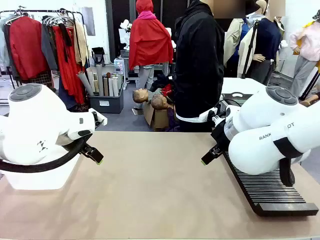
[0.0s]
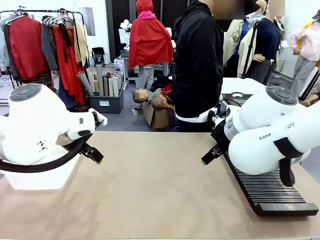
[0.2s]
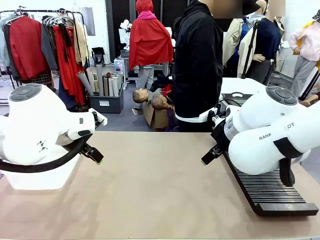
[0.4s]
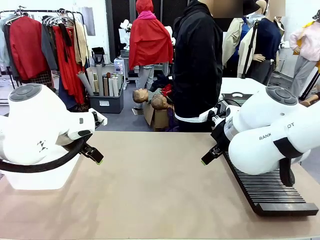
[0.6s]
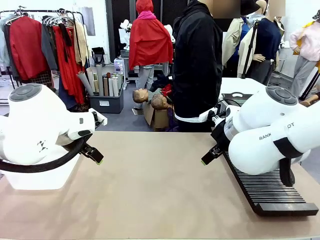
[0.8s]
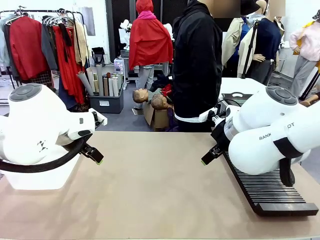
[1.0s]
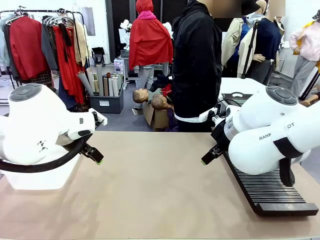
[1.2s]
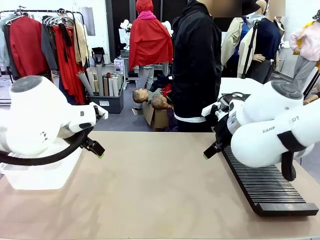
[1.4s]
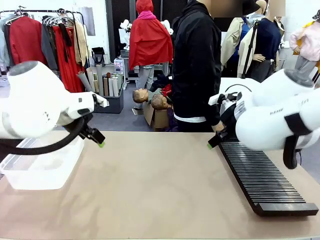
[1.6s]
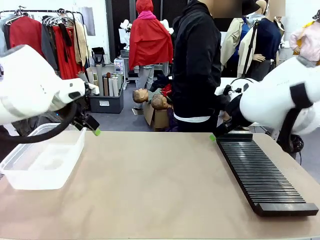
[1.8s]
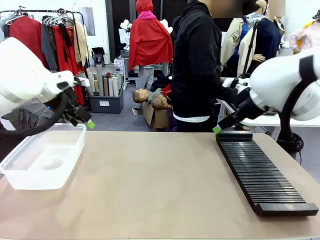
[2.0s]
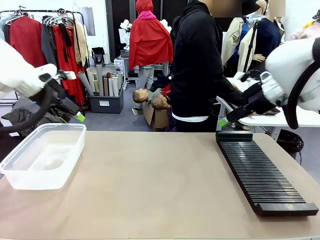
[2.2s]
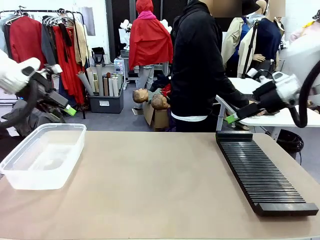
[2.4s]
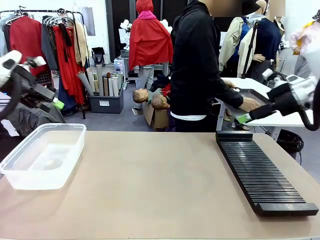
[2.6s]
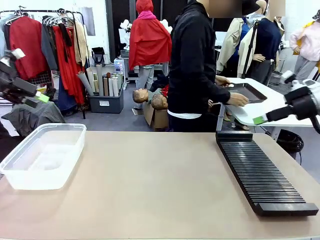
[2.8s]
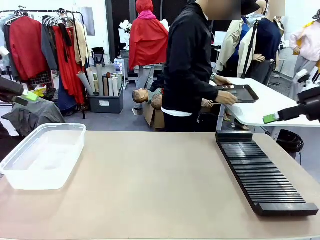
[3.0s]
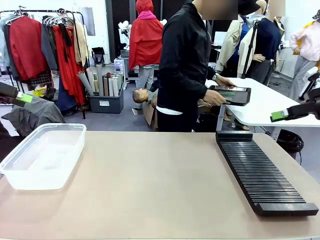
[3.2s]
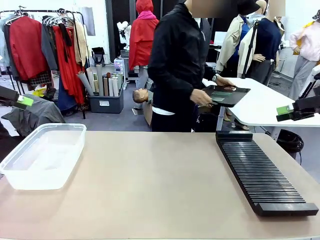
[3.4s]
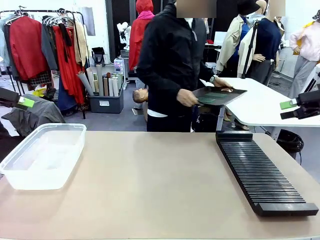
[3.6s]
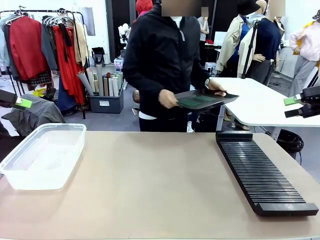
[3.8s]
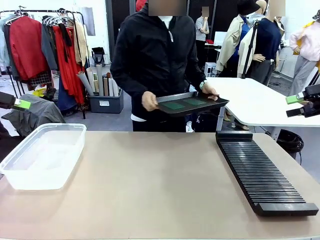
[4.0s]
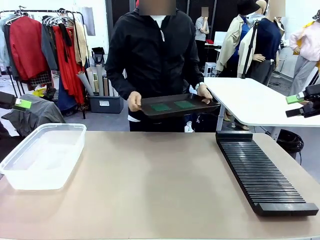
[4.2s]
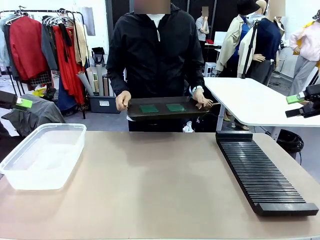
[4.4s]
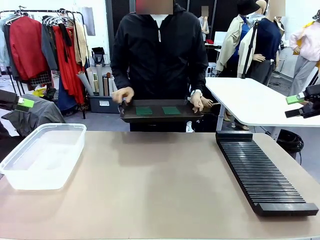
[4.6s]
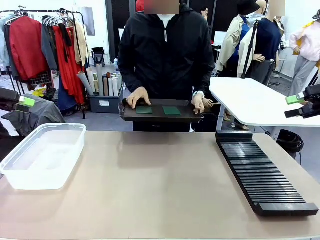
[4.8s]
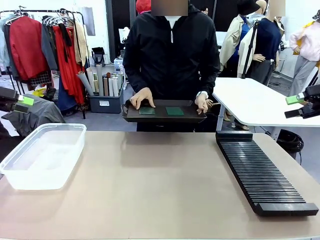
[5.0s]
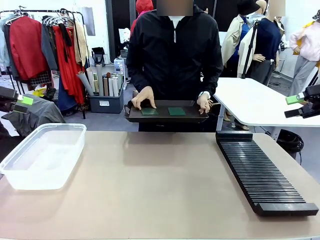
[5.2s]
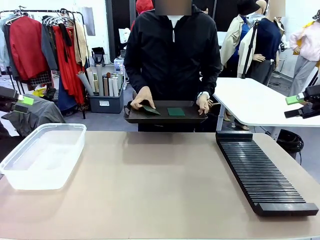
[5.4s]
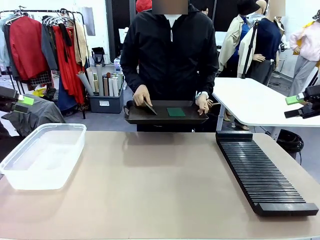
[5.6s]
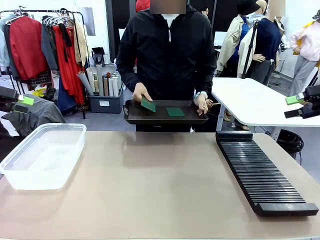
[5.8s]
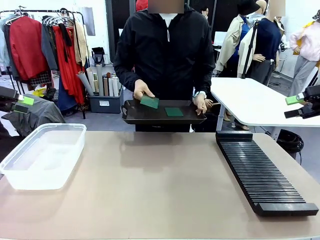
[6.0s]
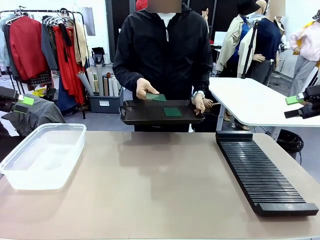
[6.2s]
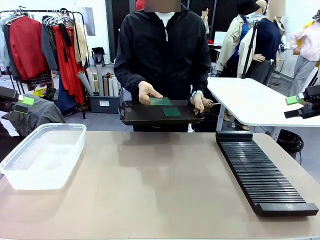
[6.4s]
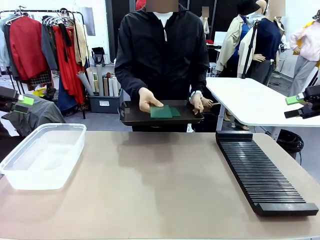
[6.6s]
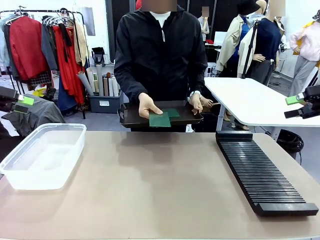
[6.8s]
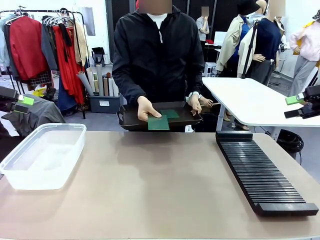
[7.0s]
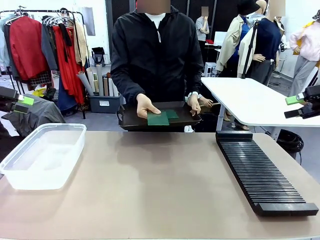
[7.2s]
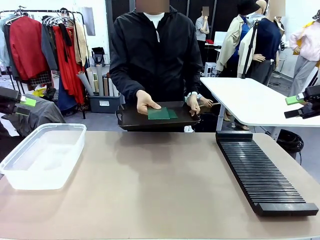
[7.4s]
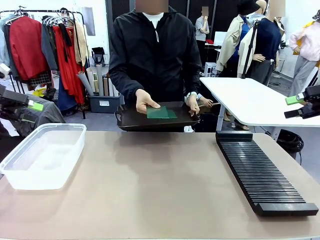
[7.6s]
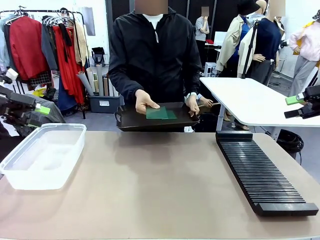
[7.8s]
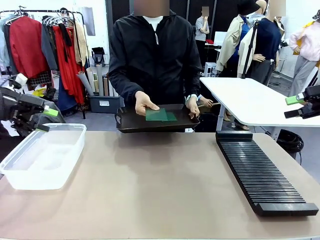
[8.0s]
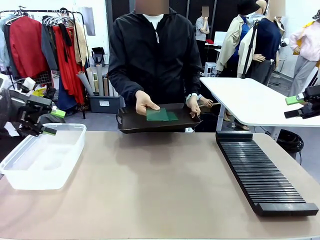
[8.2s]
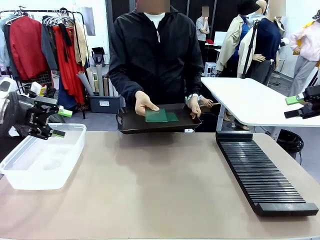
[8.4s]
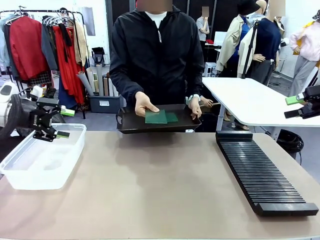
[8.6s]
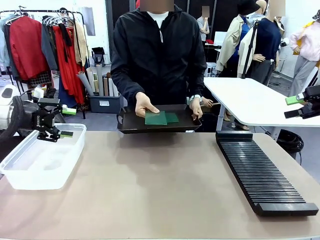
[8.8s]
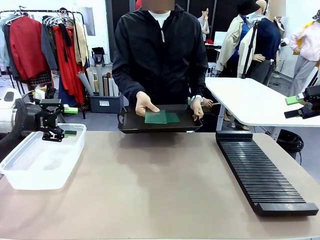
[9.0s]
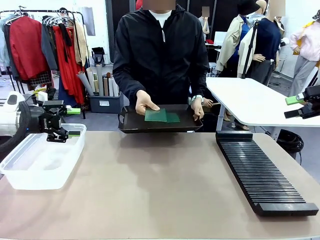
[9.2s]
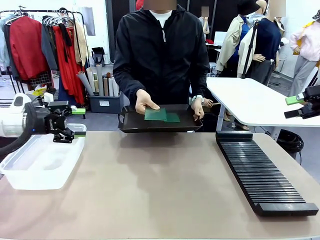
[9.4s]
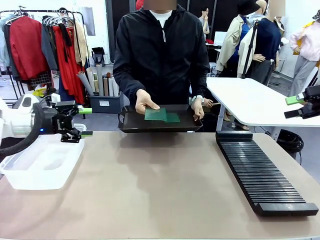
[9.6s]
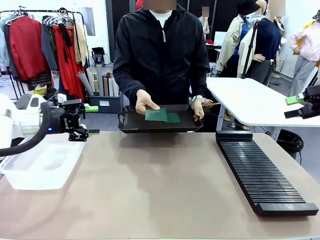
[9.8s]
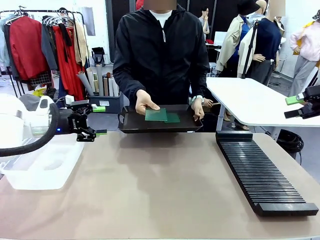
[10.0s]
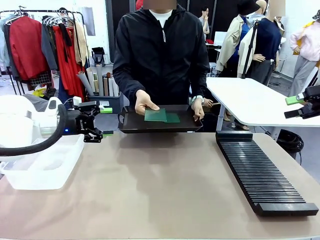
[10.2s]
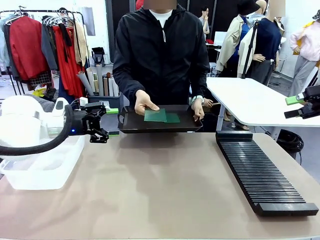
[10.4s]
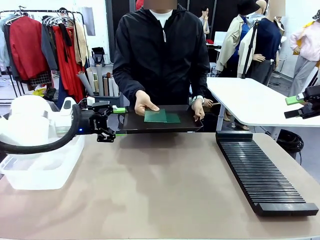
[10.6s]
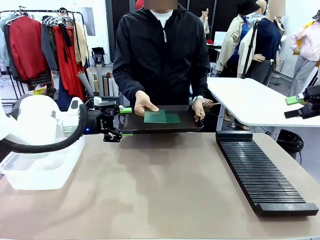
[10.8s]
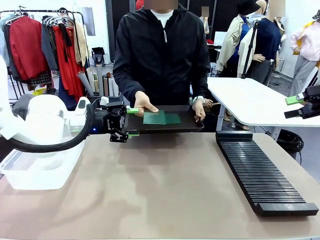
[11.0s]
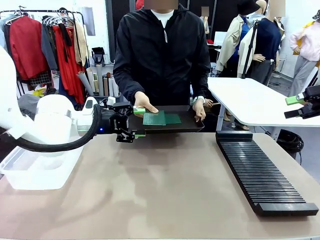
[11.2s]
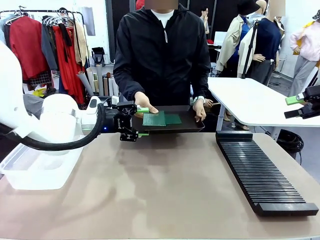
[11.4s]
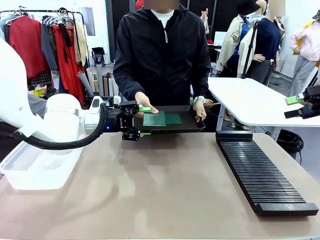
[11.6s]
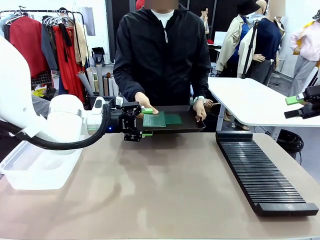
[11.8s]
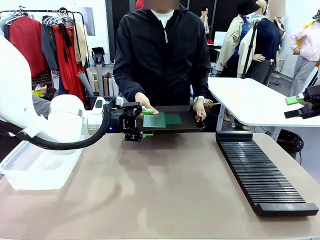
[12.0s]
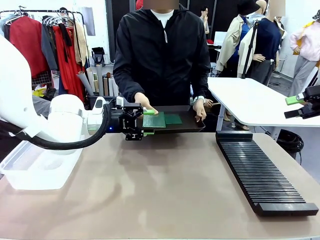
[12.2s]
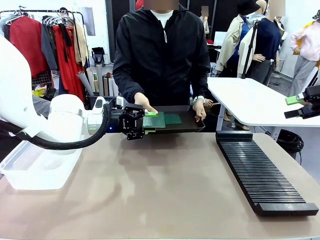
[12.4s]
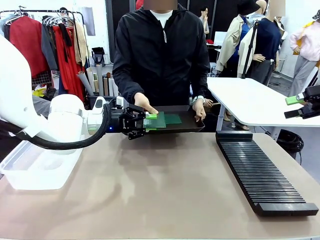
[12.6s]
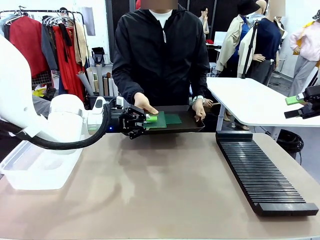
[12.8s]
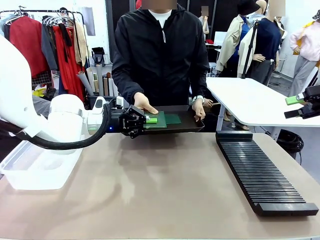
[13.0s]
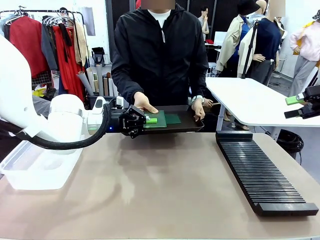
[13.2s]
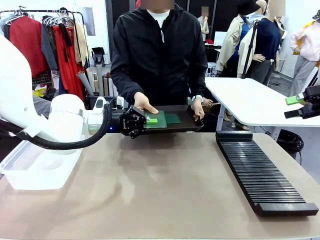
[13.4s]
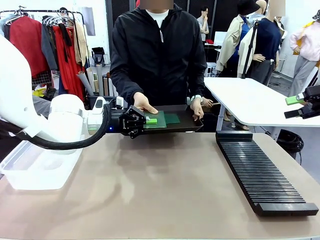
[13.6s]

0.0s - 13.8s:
Task: Sort PCBs into racks and boxes based on the side picked up.
Robot: Pick up the Blank PCB handed by the Human.
Person: Pick one PCB from the tray and present it to the robot. Release the PCB being held.

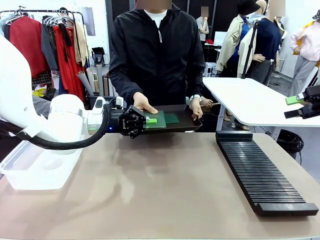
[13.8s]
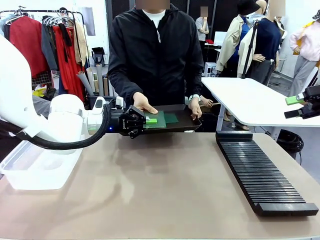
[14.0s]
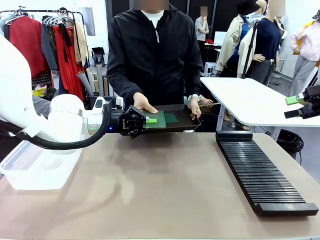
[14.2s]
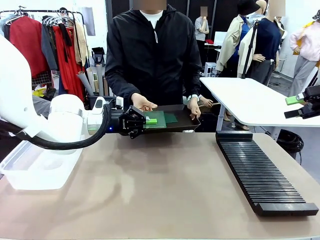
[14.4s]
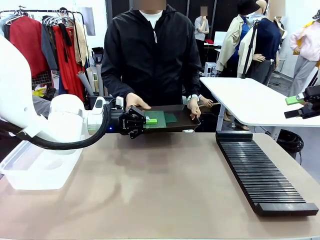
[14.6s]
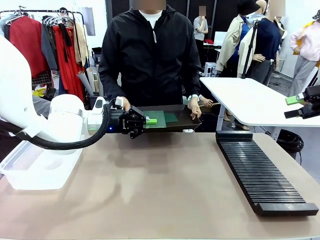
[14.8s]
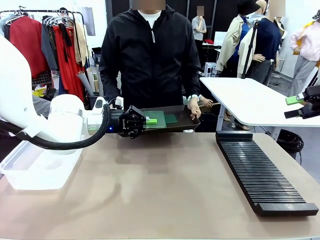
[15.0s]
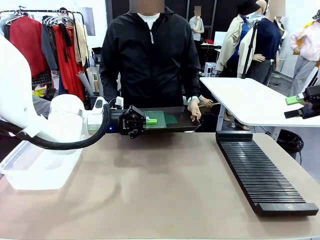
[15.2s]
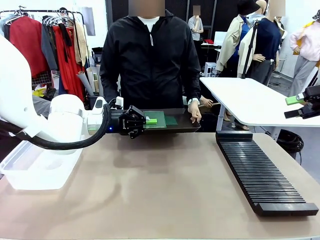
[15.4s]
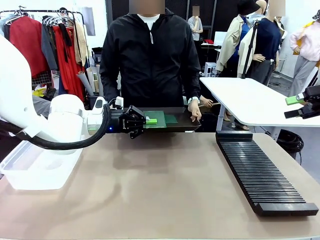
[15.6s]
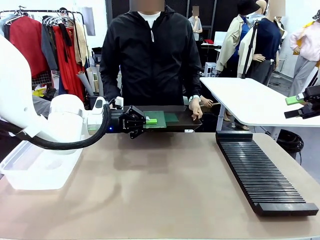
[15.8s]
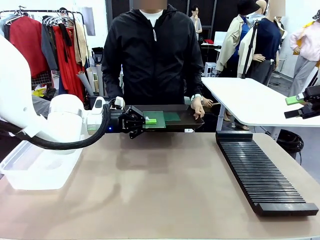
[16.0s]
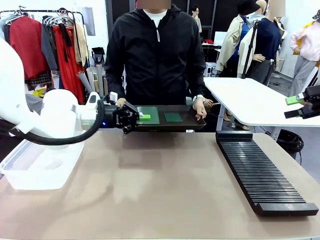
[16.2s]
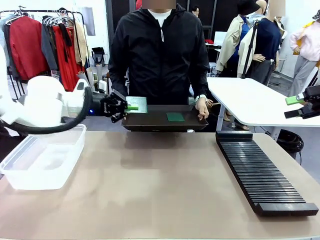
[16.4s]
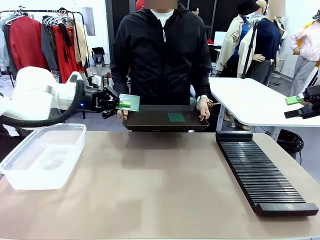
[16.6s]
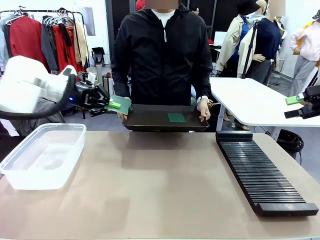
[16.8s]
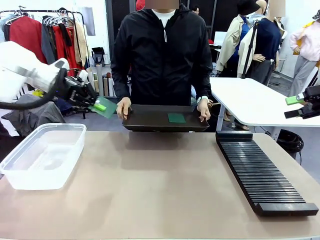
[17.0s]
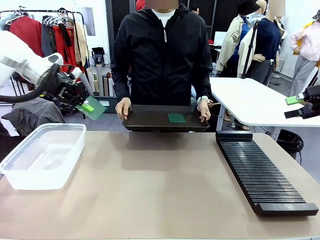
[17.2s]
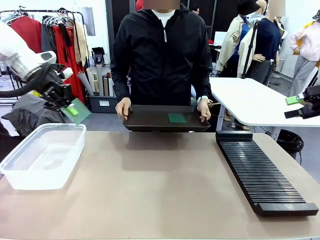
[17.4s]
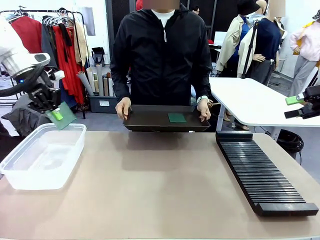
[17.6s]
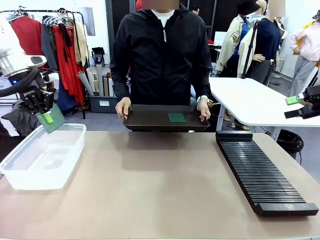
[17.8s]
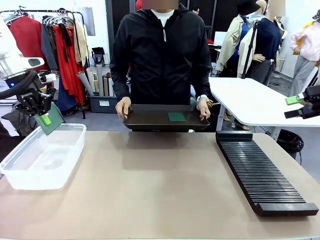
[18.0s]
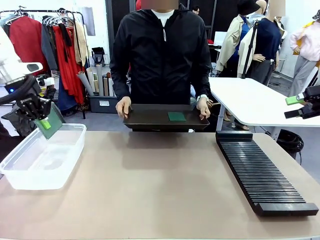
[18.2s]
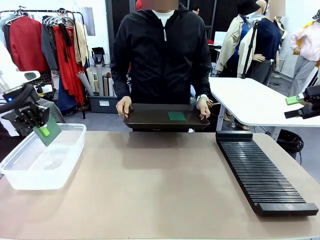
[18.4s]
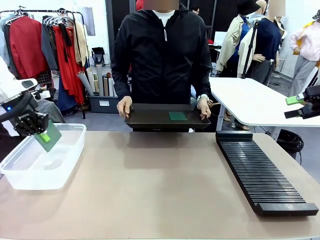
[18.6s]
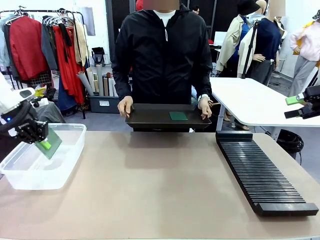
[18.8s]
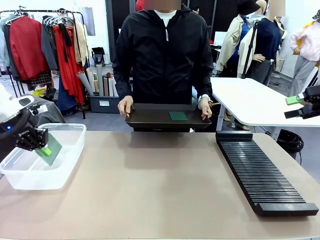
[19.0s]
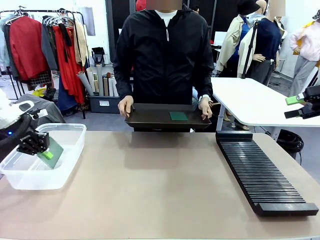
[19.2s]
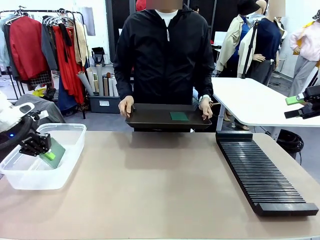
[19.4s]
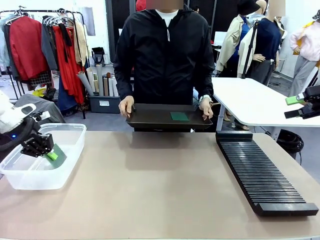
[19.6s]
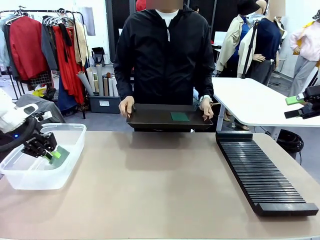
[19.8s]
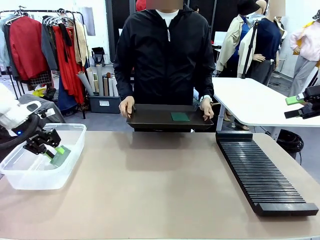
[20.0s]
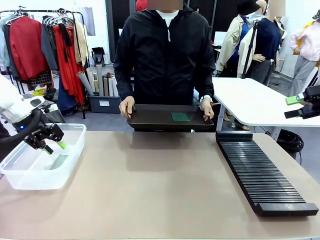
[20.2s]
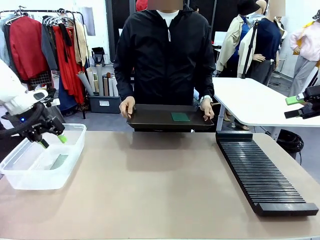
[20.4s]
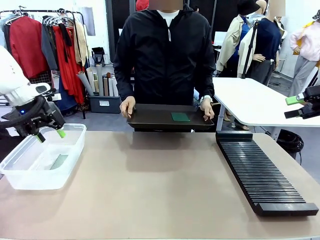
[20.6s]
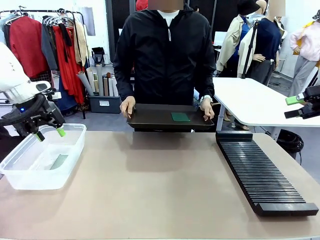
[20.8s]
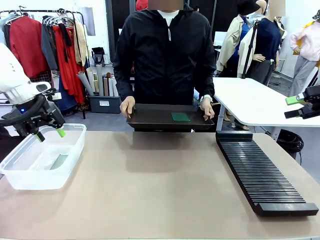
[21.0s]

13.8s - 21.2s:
Robot: If the short side of the Blank PCB is picked up, insert it into the PCB Rack ; if the long side is picked up, place it in the Organizing box.
Person: Pick one PCB from the tray and present it to the robot.
